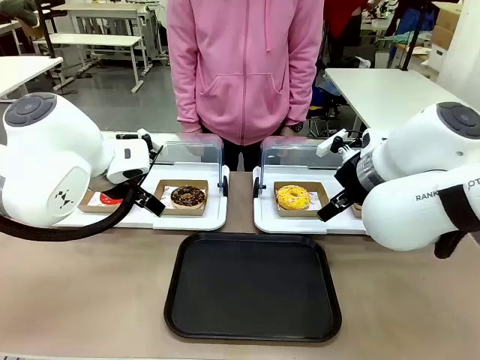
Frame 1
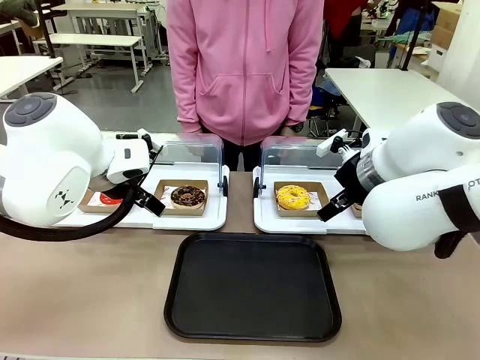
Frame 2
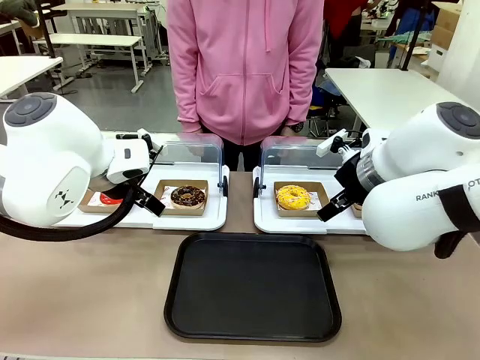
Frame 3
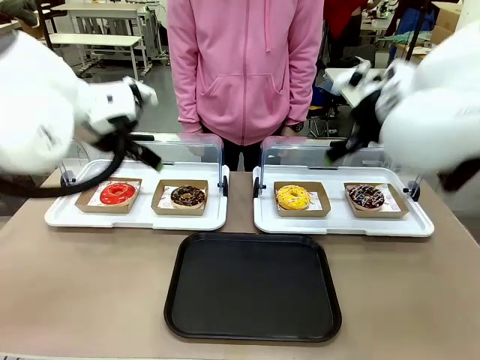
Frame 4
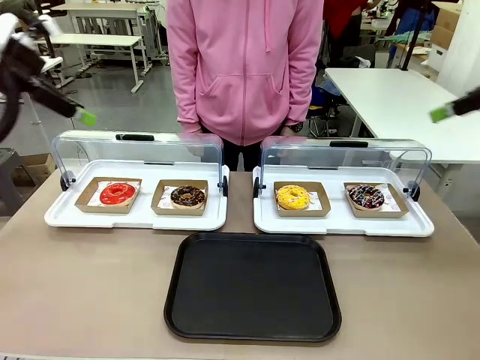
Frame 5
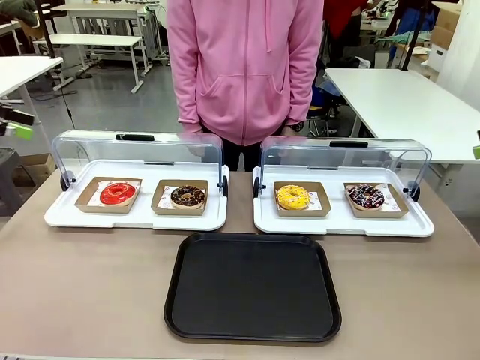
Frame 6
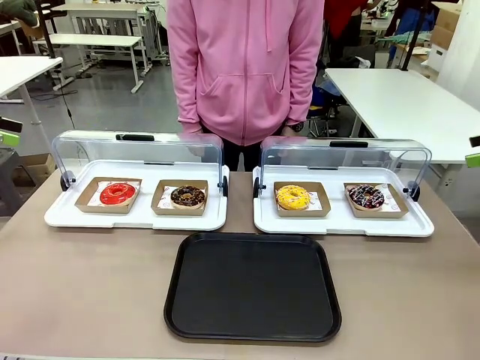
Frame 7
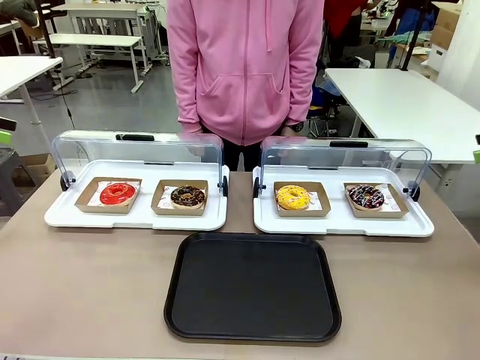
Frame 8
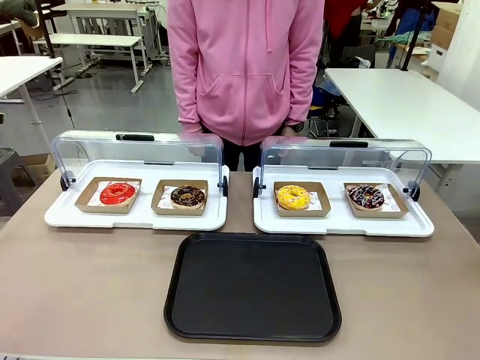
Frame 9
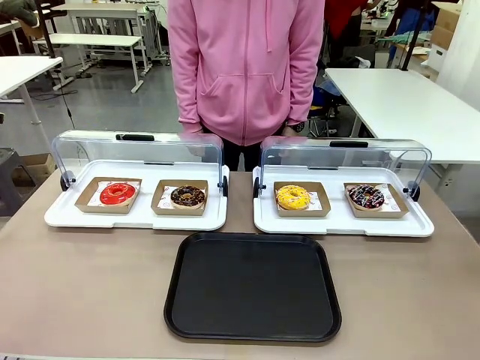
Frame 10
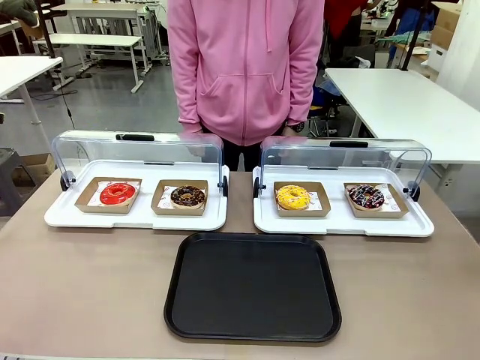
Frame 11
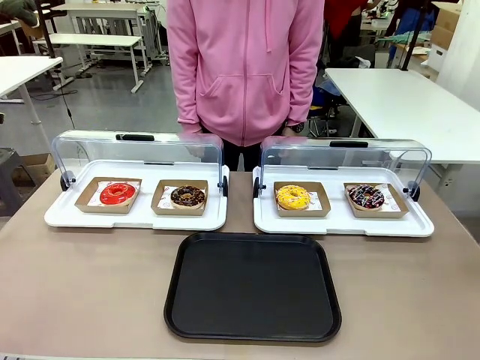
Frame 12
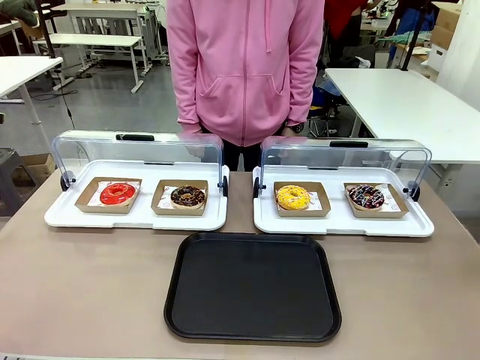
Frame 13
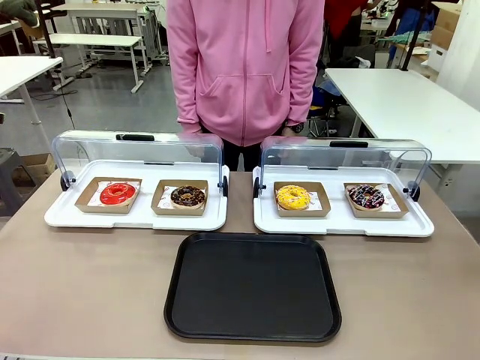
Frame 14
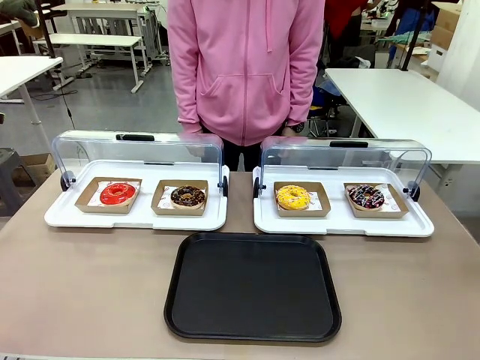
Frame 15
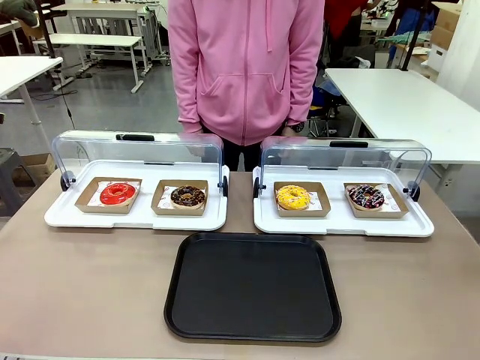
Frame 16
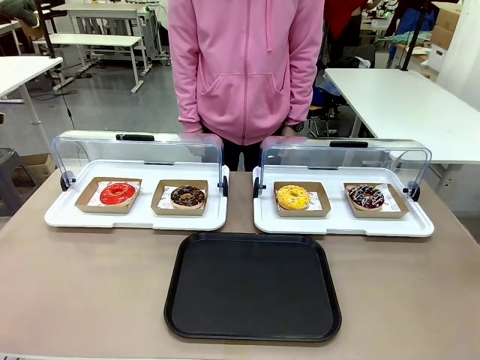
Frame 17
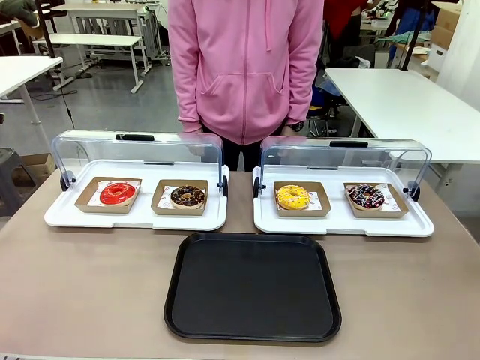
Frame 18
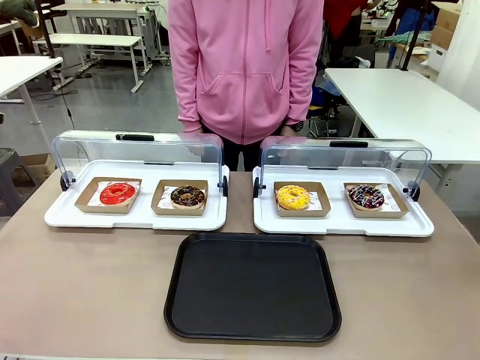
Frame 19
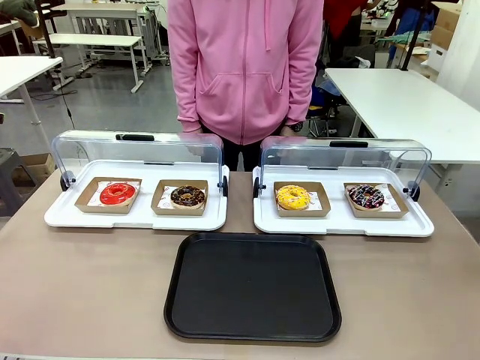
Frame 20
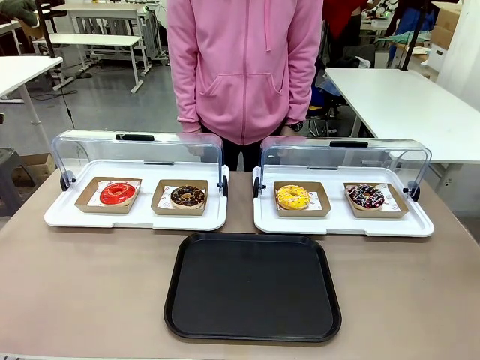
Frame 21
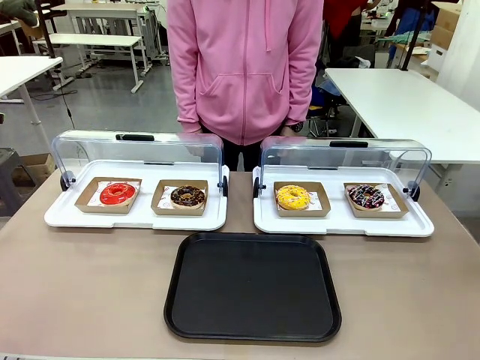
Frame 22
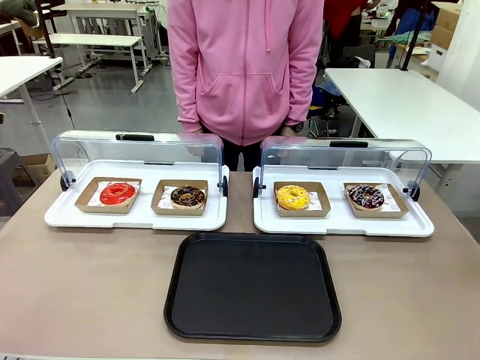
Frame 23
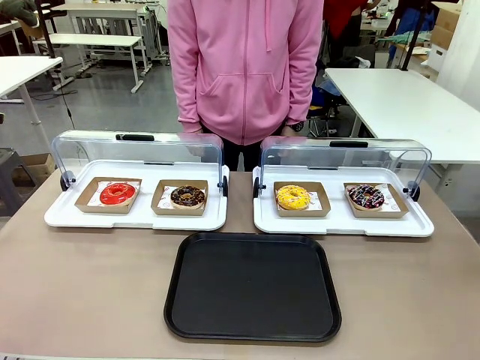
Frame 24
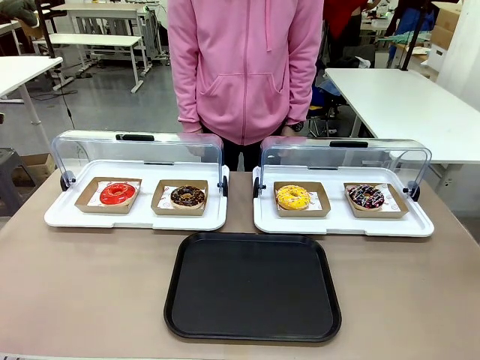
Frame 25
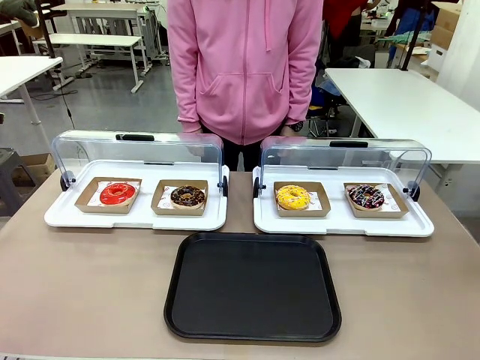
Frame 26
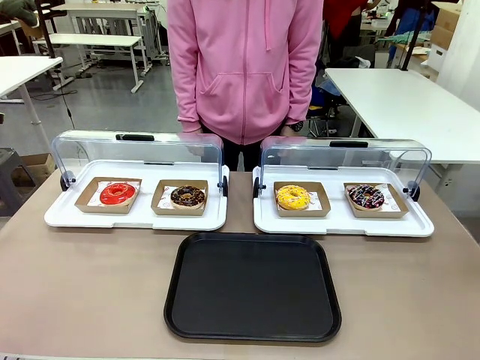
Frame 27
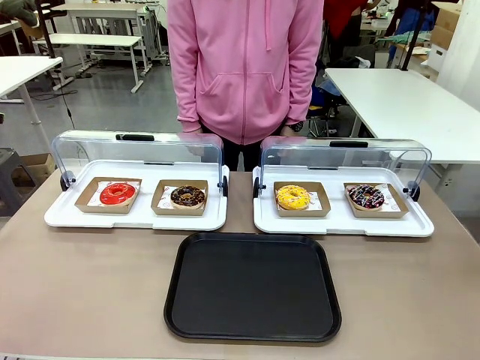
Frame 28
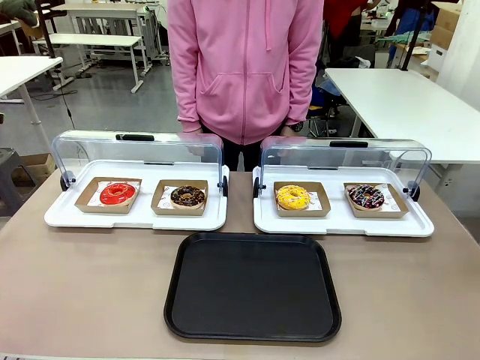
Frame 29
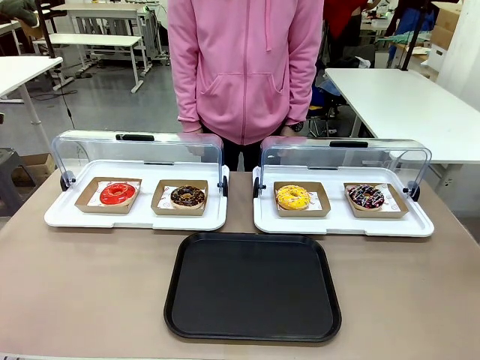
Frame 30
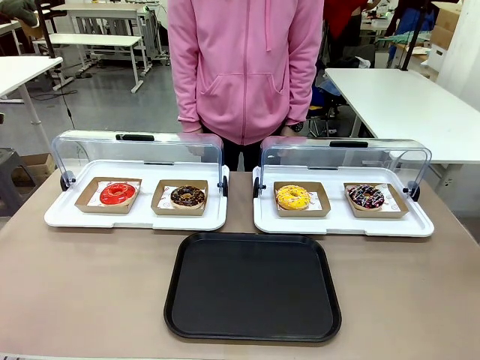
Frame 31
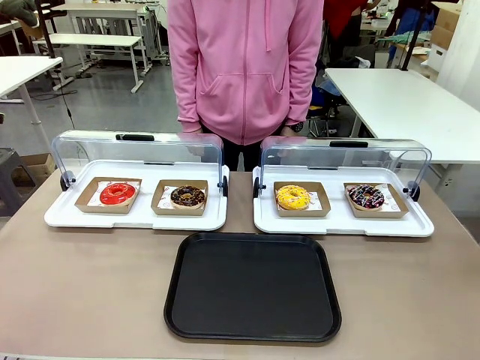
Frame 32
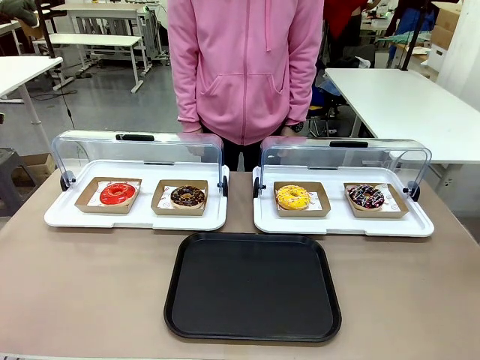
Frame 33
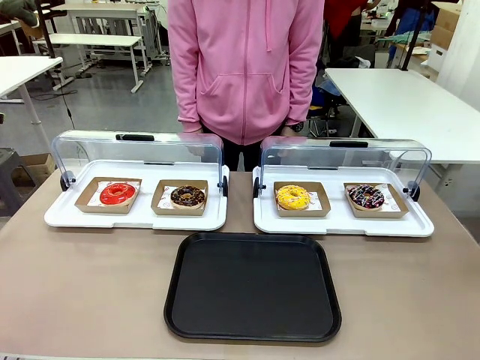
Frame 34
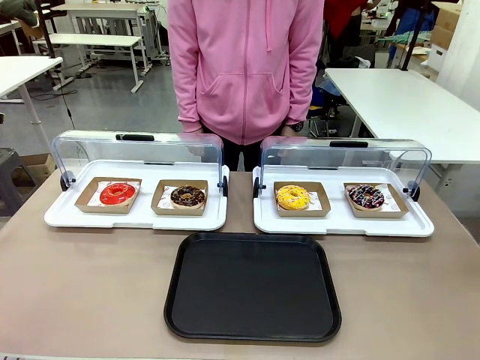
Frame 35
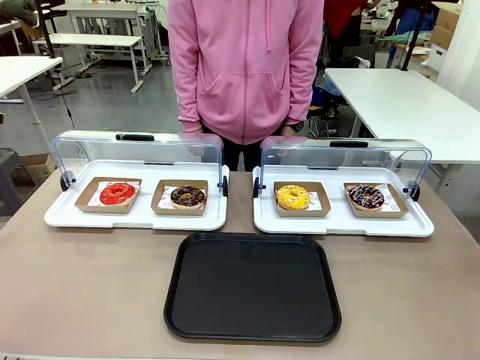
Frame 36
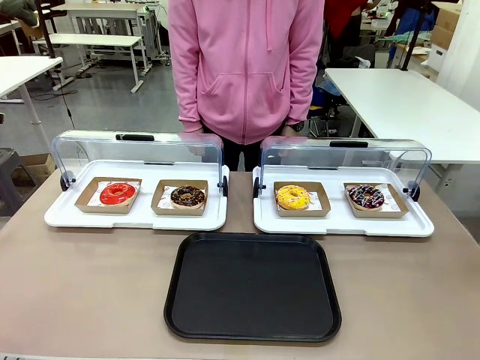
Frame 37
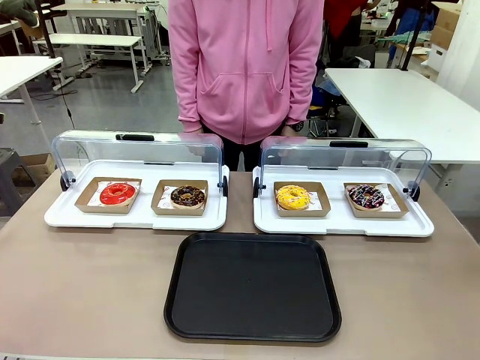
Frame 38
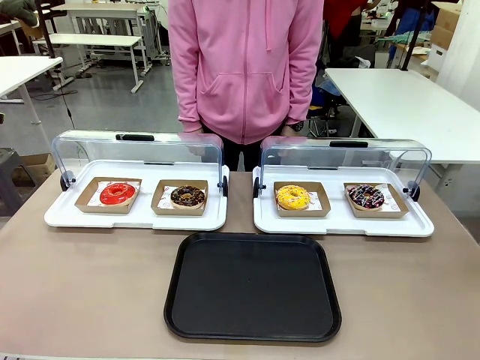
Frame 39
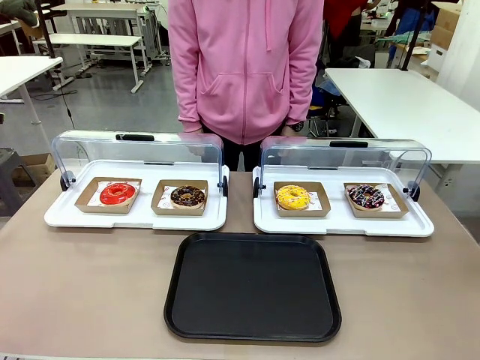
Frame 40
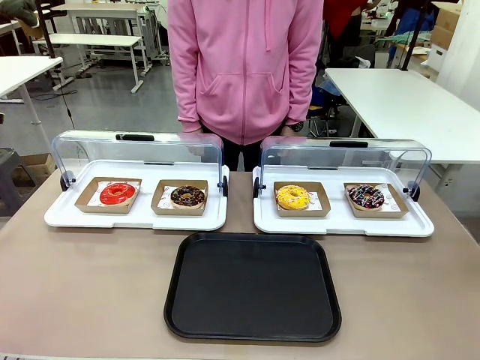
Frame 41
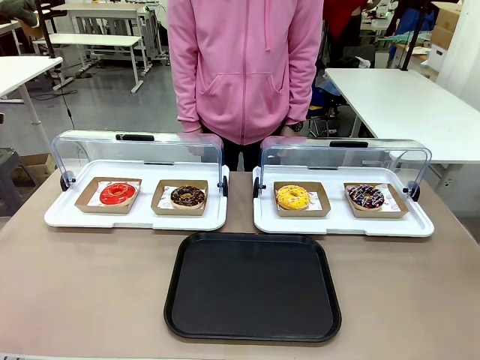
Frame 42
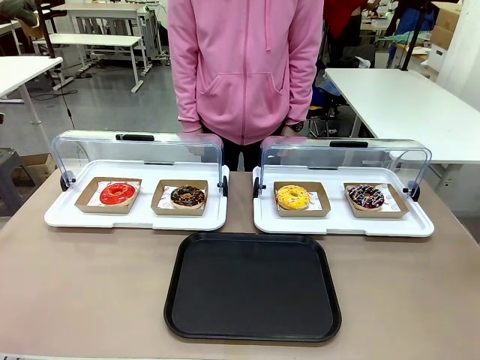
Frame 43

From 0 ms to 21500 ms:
Task: Move the first donut from the left to the tray.
Robot: Pick up the Paper togo box containing the Donut indicated by the person and place it on the Handle tray.
